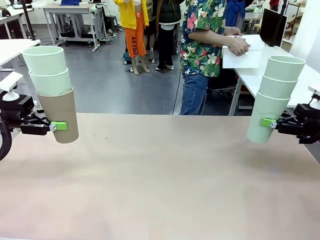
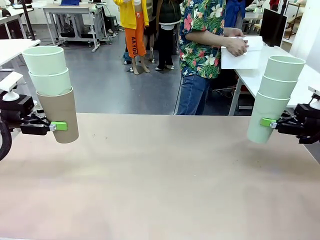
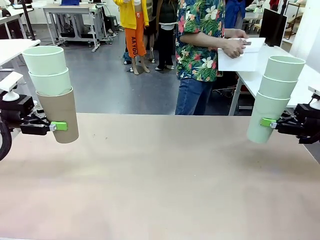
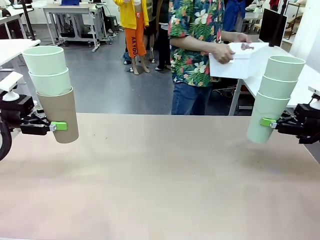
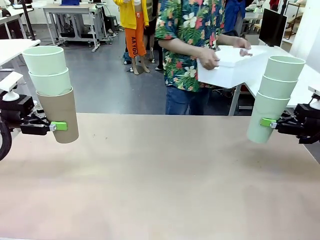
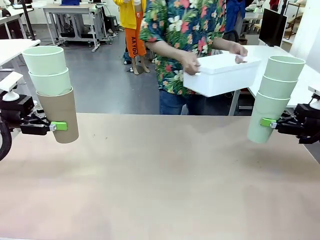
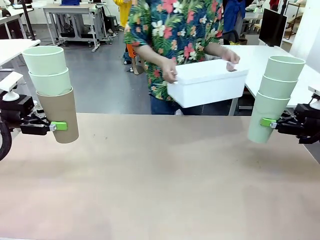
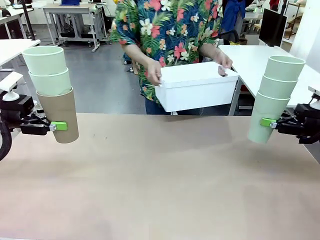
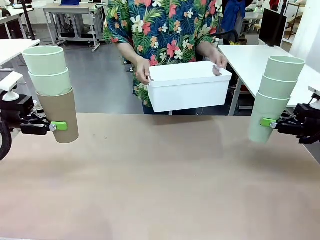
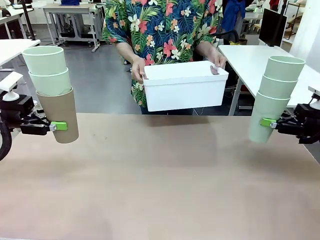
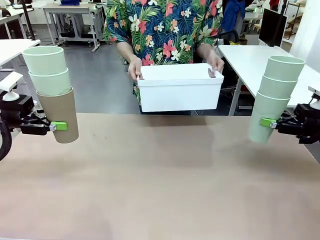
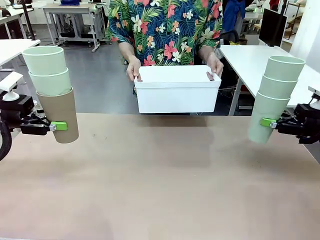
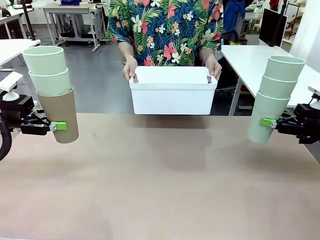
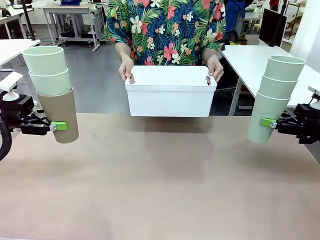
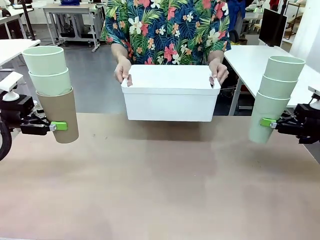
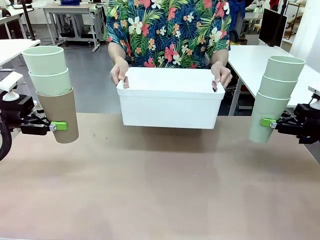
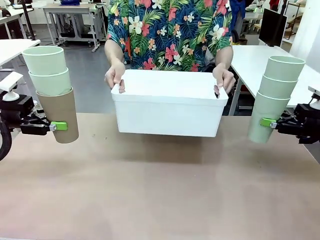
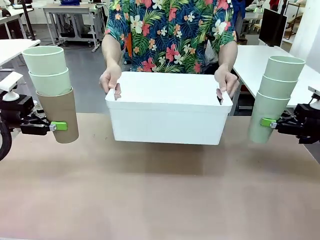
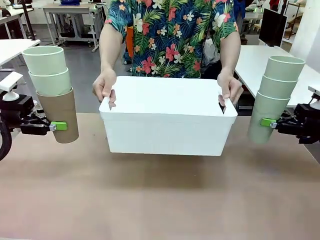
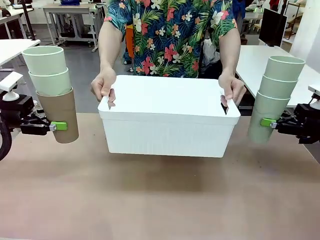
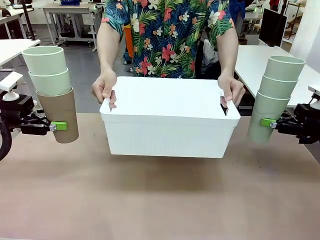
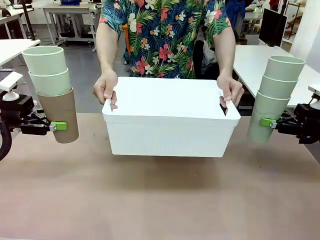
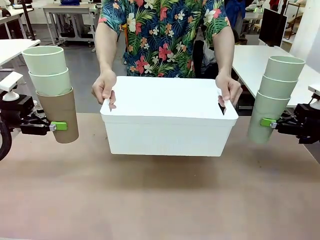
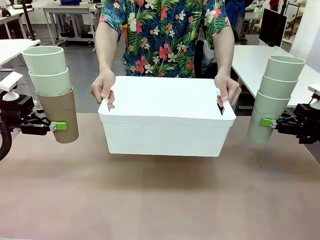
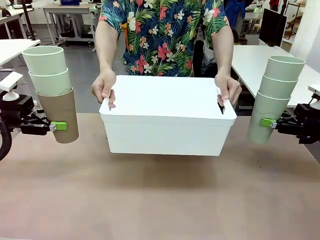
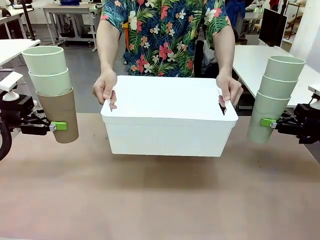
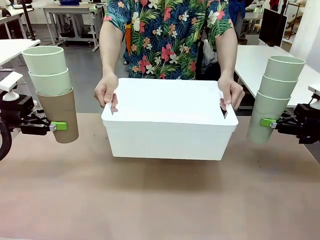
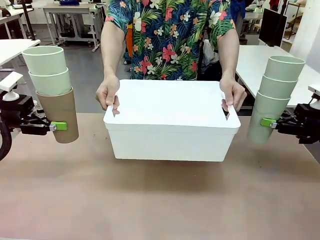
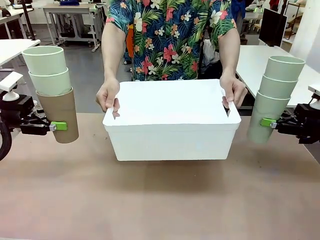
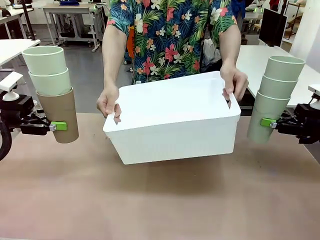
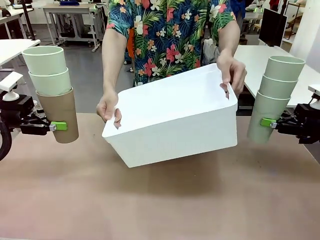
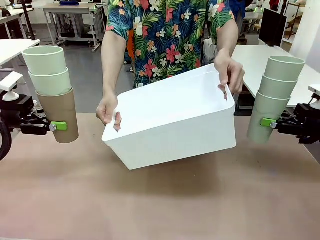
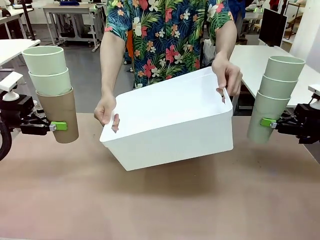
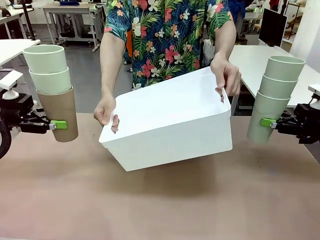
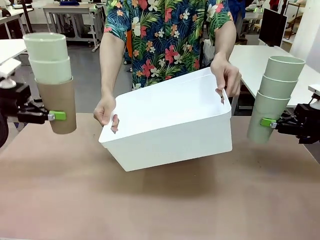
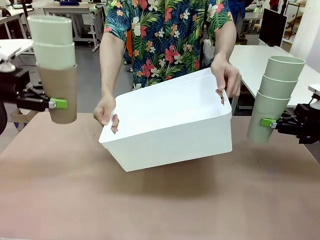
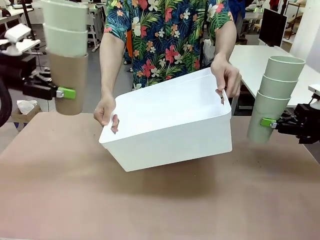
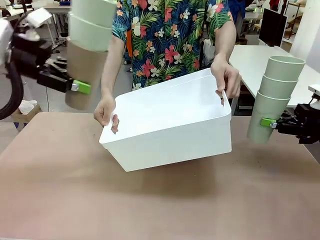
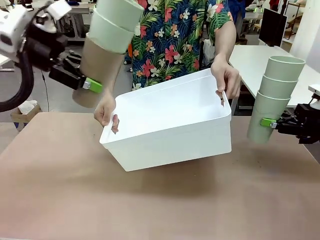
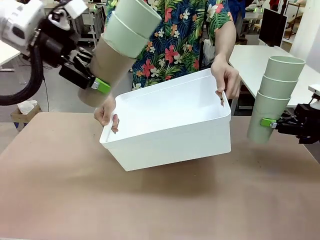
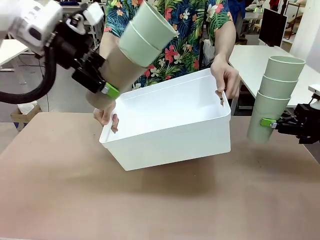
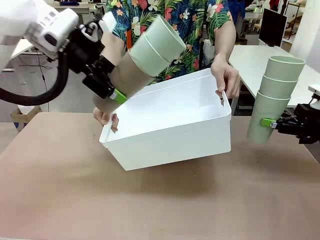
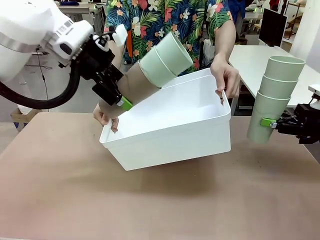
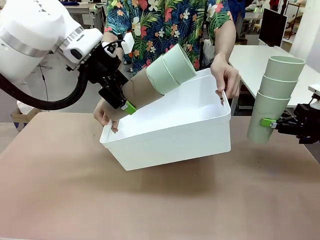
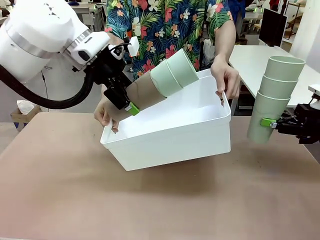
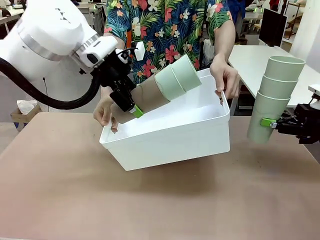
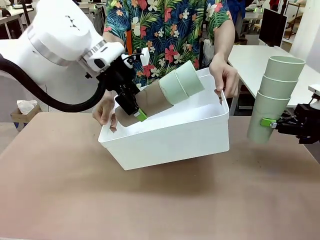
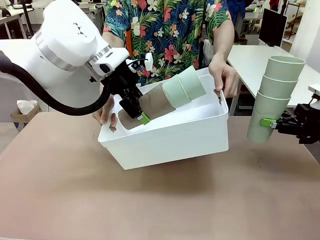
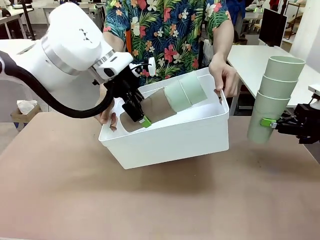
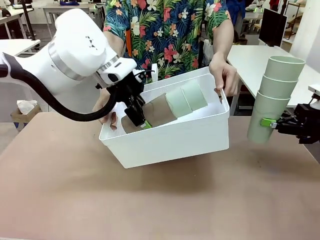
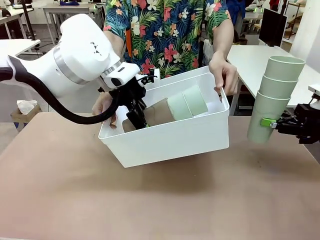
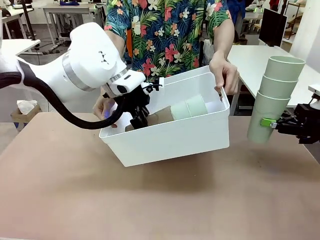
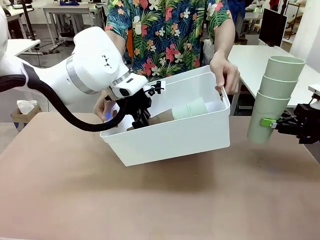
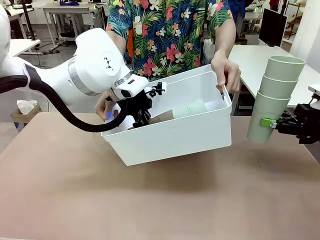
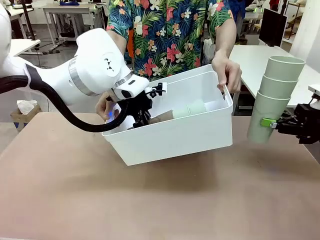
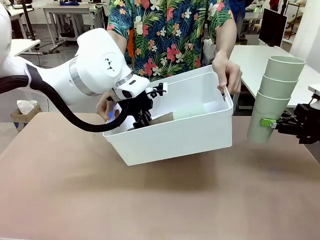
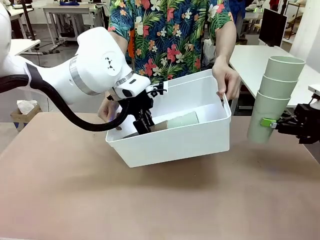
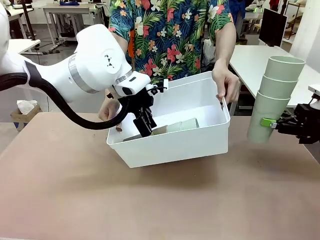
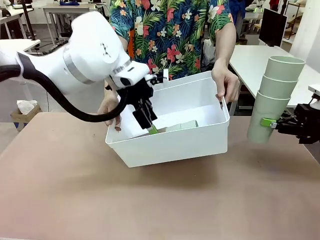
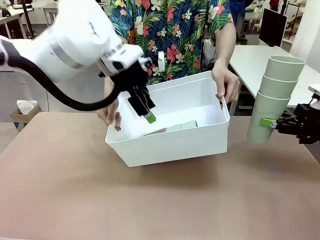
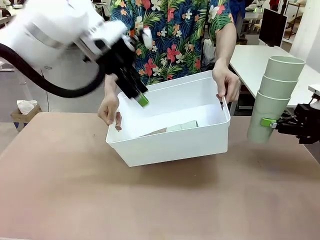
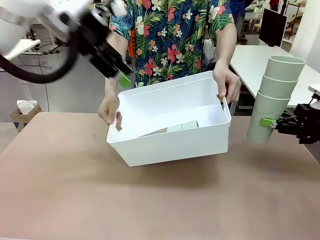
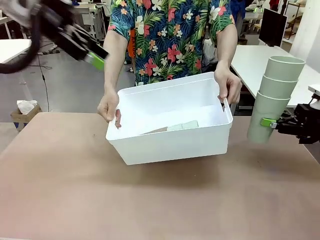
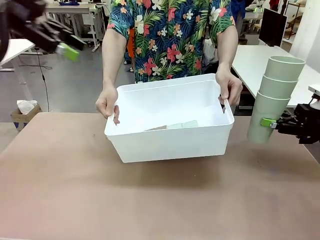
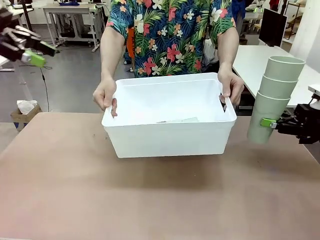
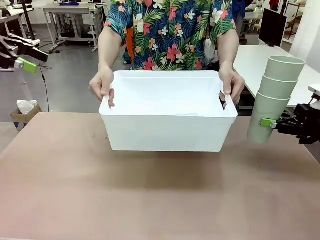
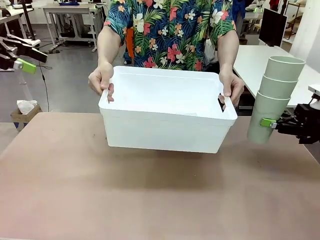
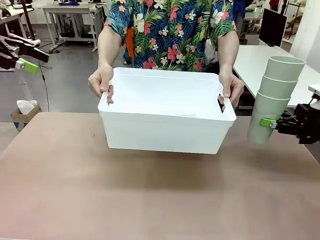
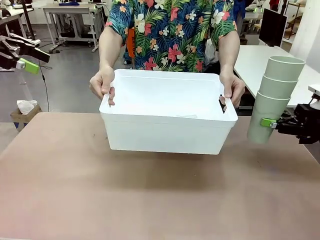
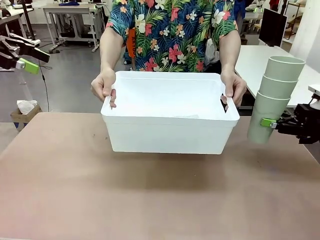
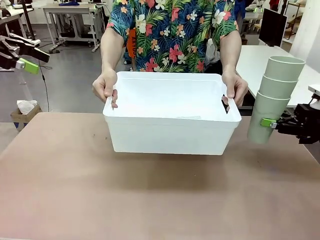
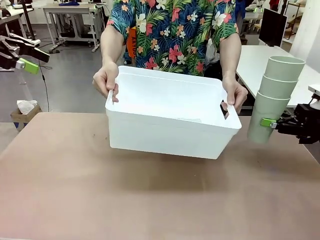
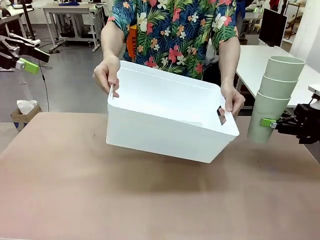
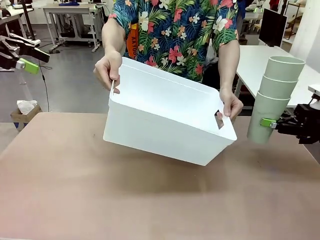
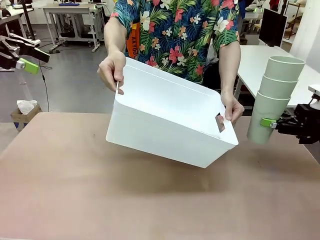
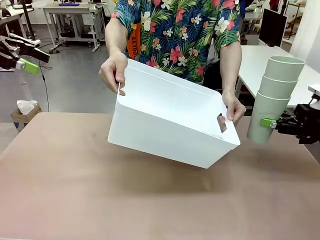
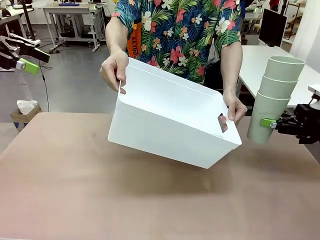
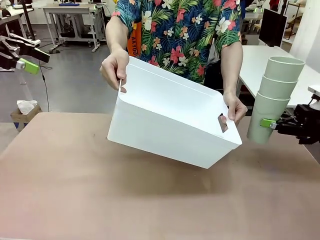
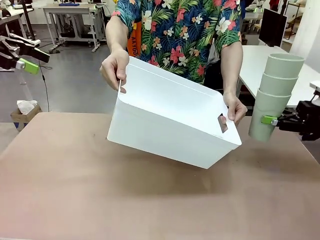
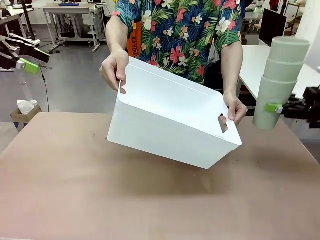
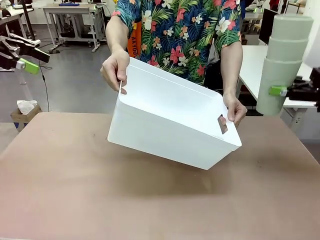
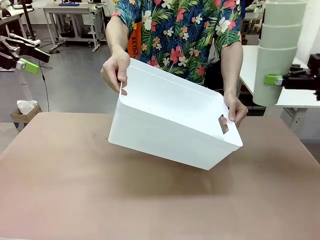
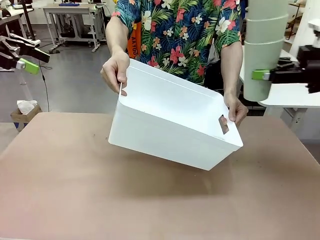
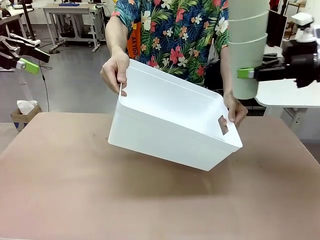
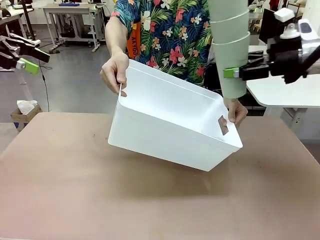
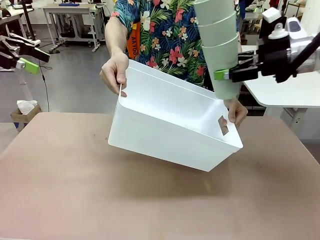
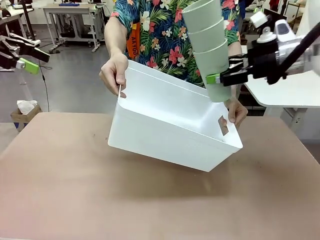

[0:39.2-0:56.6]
Task: Stack the cups and store them in the basket.
Robot: Place the stack of Reusable plastic cups into the Pantry Basket.

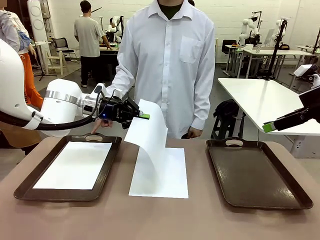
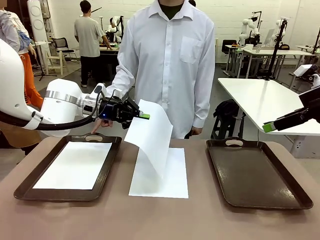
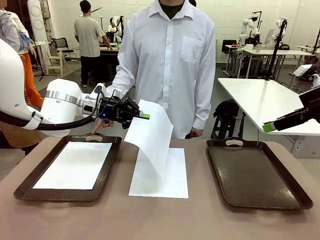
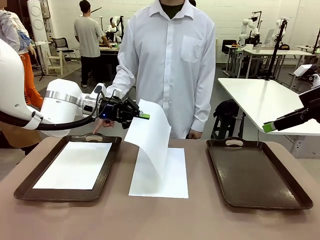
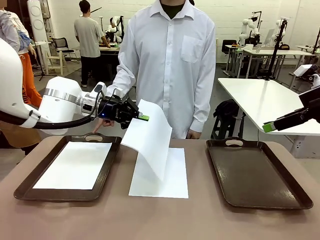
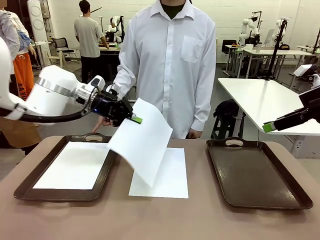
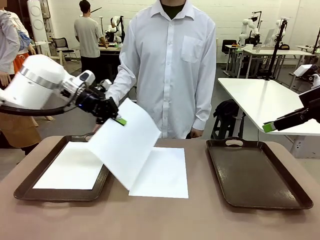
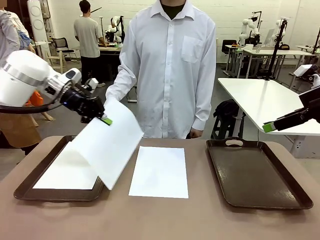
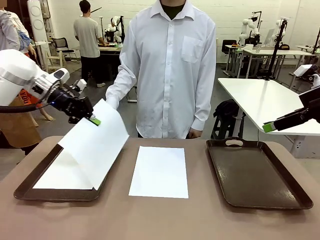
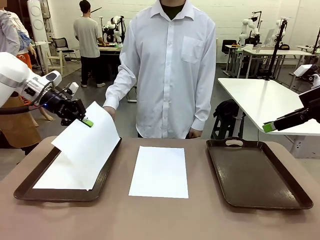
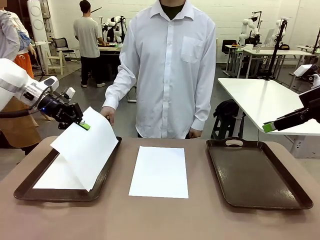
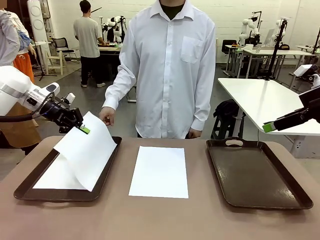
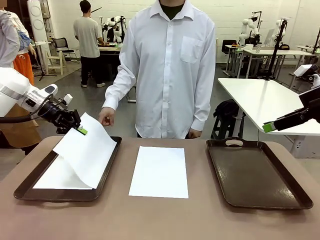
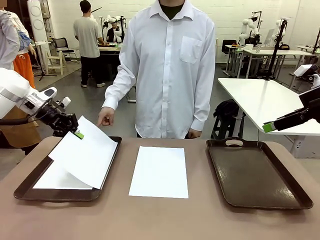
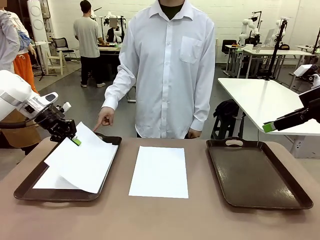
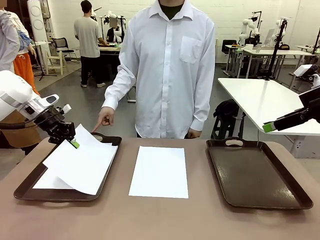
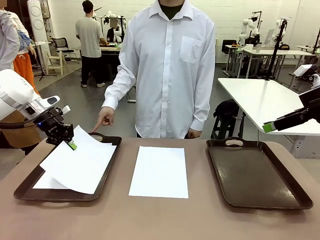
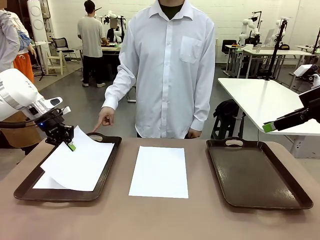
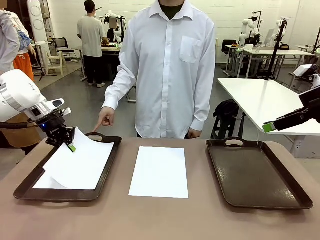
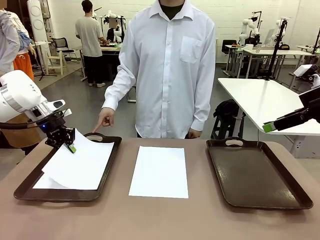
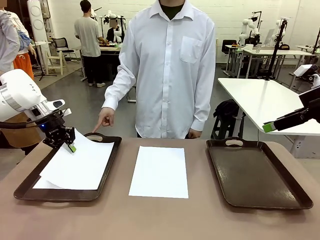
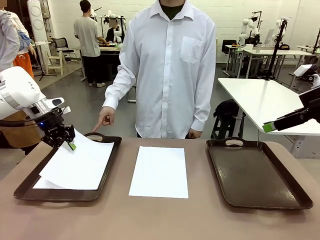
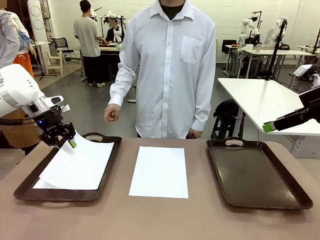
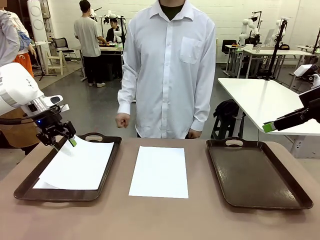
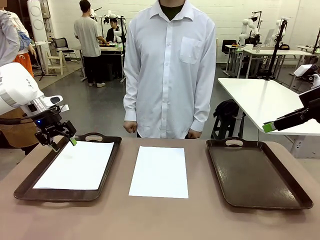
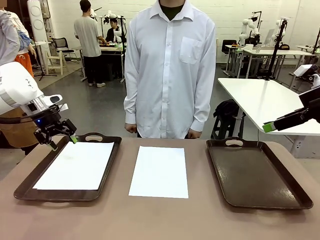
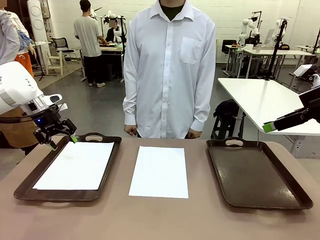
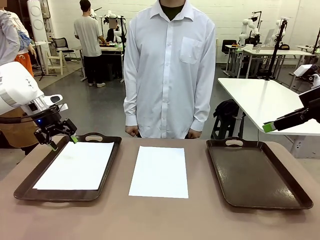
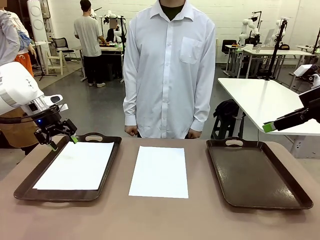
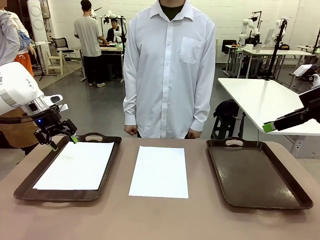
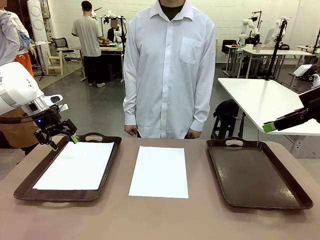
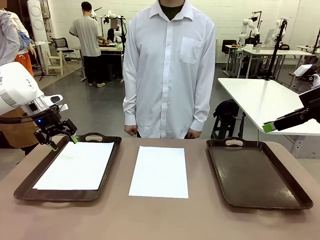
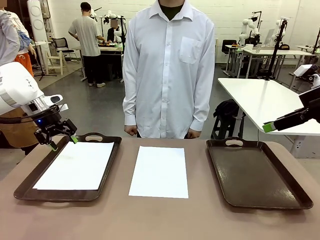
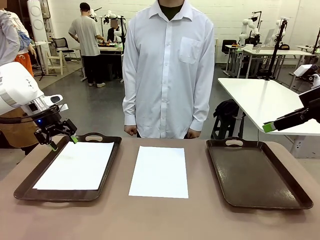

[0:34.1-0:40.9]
Task: Sort the A4 documents.
Robot: Place the A4 Paper in the designated Handle tray.
